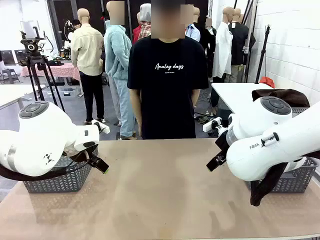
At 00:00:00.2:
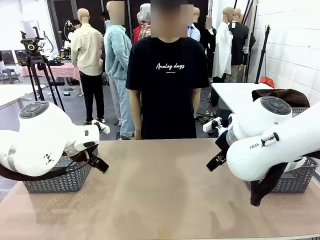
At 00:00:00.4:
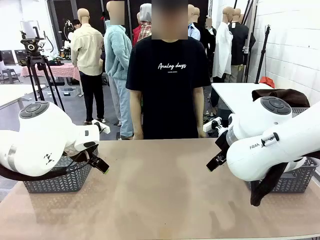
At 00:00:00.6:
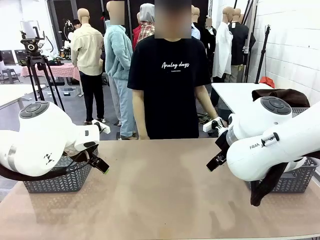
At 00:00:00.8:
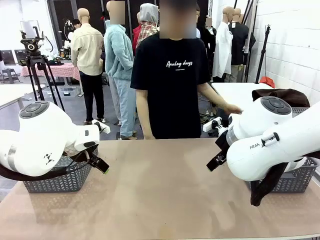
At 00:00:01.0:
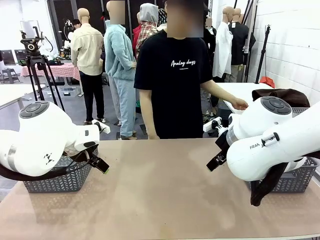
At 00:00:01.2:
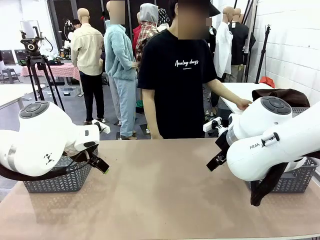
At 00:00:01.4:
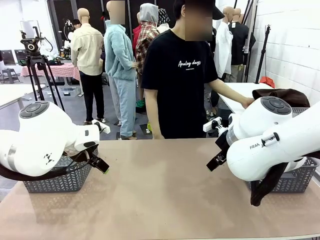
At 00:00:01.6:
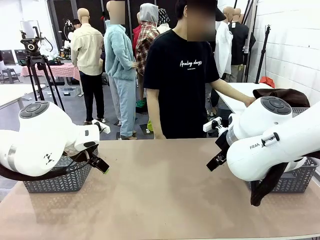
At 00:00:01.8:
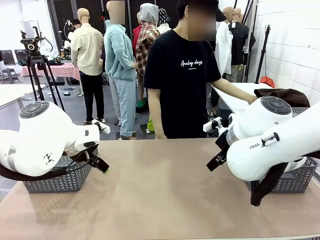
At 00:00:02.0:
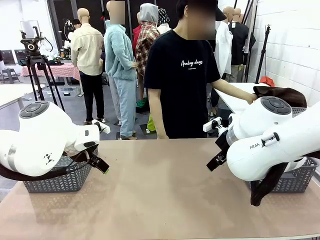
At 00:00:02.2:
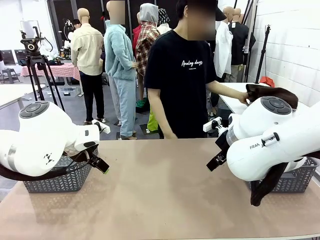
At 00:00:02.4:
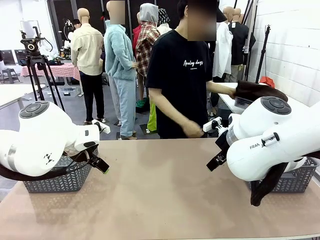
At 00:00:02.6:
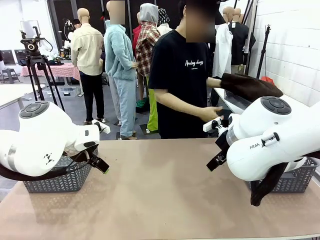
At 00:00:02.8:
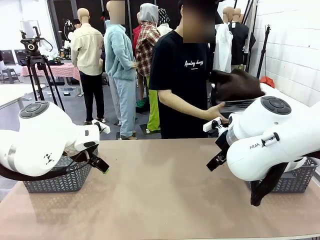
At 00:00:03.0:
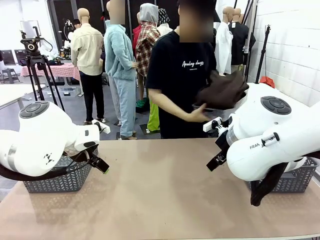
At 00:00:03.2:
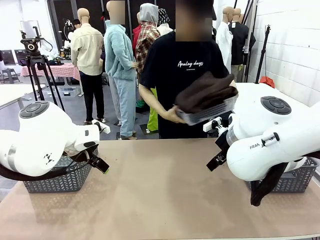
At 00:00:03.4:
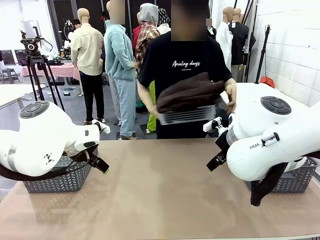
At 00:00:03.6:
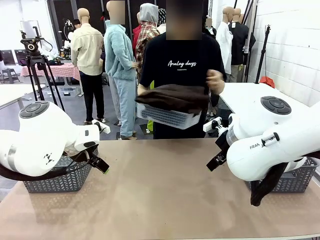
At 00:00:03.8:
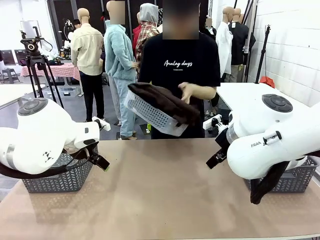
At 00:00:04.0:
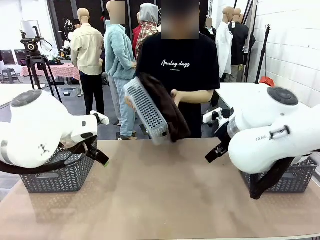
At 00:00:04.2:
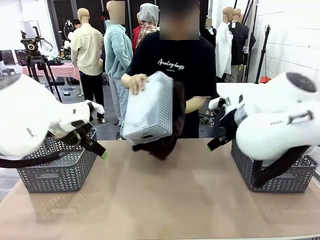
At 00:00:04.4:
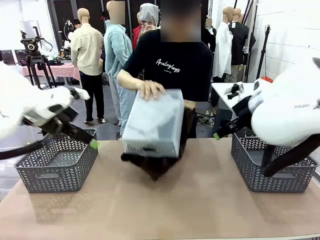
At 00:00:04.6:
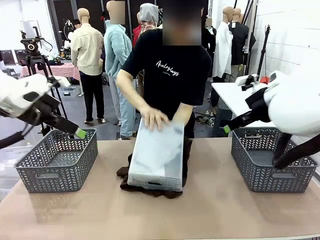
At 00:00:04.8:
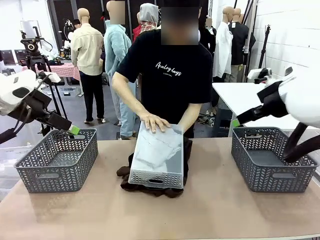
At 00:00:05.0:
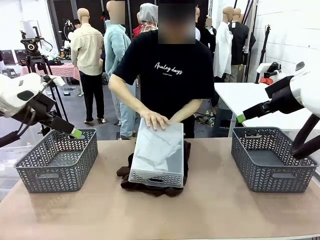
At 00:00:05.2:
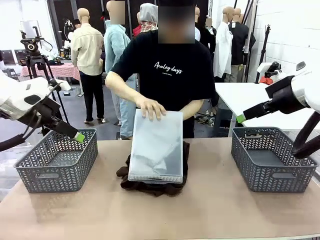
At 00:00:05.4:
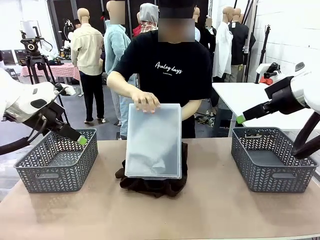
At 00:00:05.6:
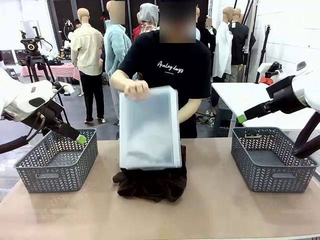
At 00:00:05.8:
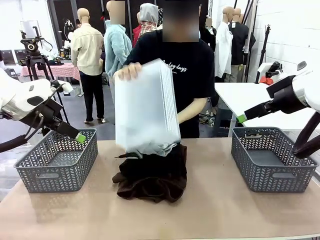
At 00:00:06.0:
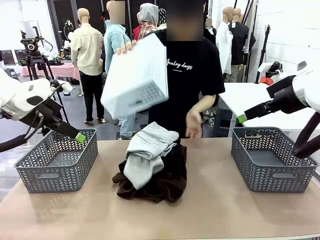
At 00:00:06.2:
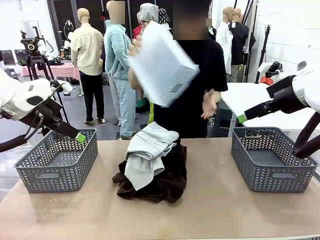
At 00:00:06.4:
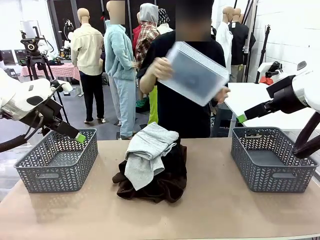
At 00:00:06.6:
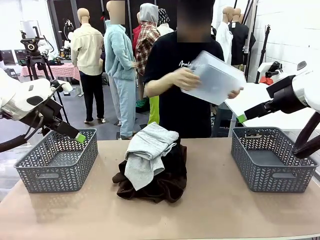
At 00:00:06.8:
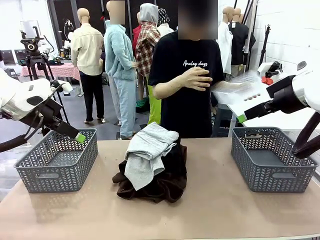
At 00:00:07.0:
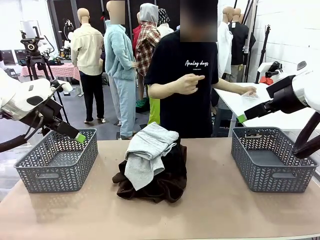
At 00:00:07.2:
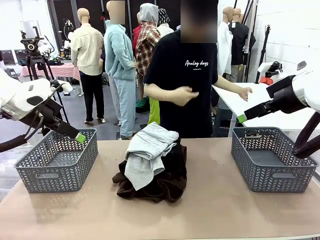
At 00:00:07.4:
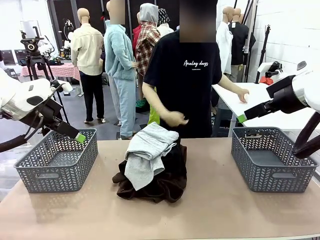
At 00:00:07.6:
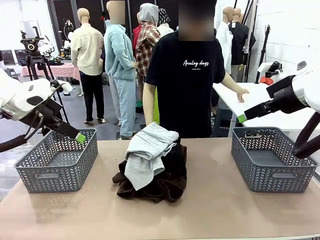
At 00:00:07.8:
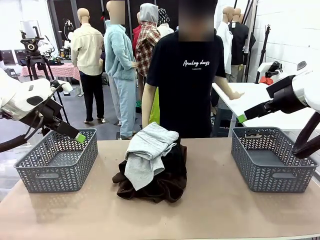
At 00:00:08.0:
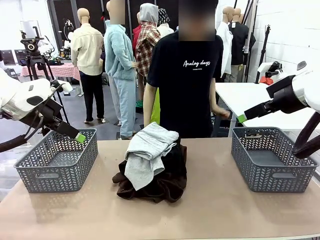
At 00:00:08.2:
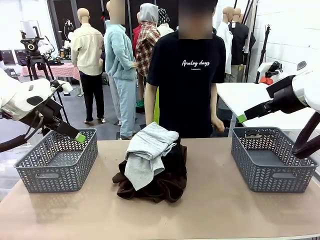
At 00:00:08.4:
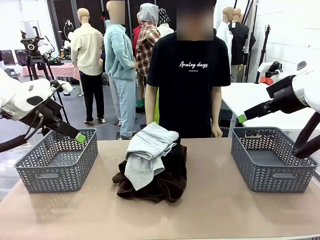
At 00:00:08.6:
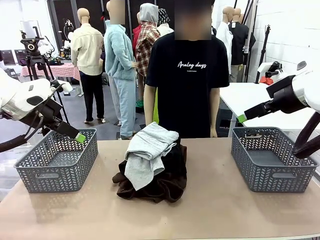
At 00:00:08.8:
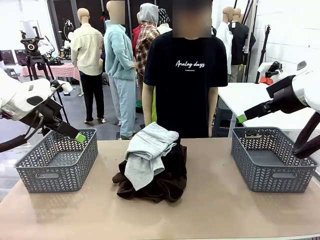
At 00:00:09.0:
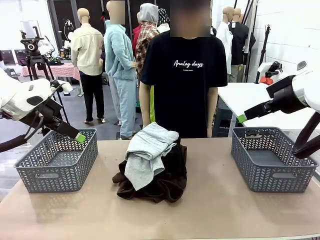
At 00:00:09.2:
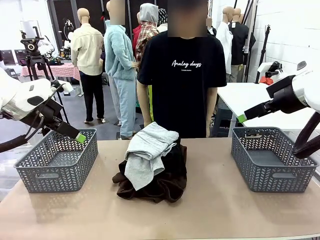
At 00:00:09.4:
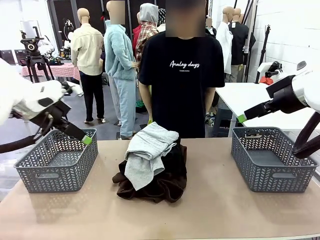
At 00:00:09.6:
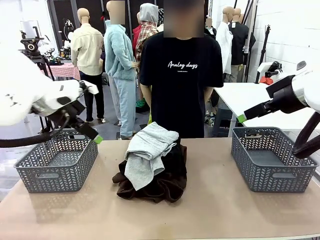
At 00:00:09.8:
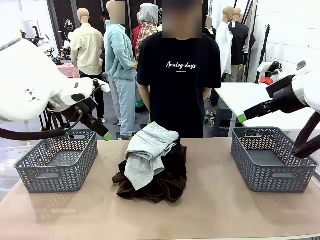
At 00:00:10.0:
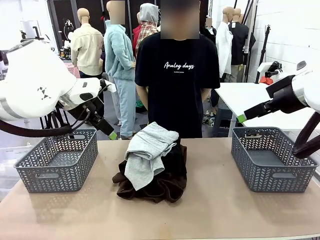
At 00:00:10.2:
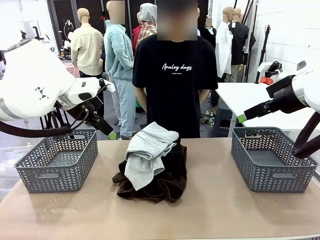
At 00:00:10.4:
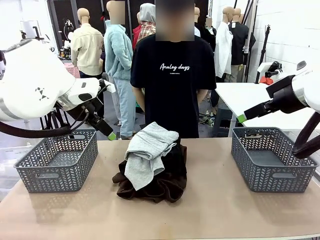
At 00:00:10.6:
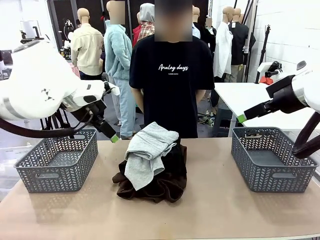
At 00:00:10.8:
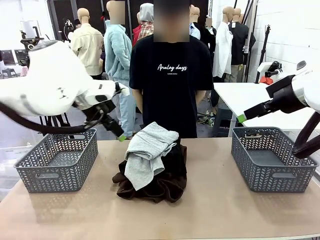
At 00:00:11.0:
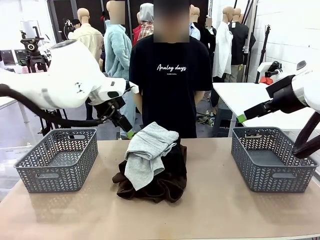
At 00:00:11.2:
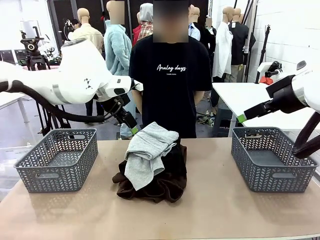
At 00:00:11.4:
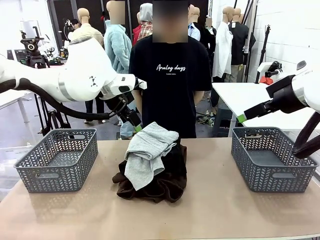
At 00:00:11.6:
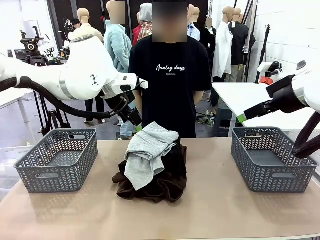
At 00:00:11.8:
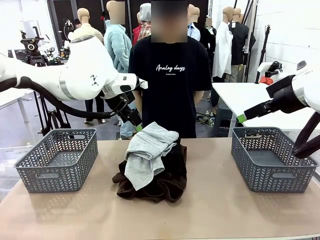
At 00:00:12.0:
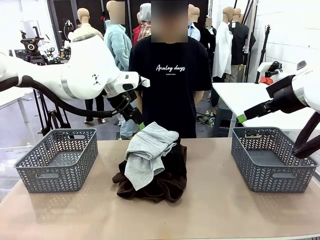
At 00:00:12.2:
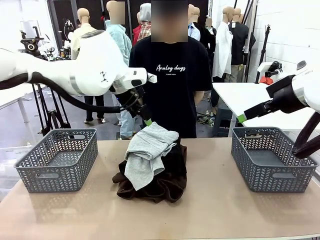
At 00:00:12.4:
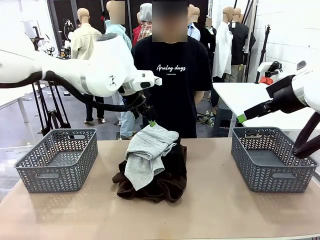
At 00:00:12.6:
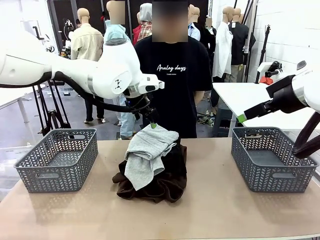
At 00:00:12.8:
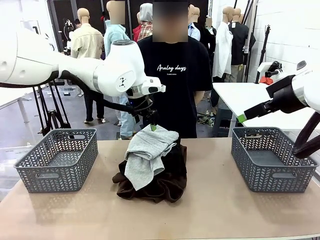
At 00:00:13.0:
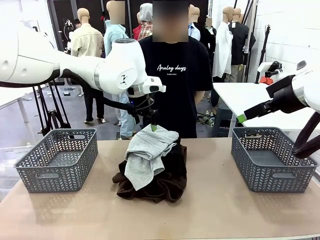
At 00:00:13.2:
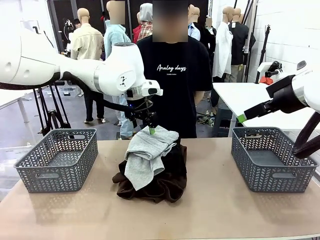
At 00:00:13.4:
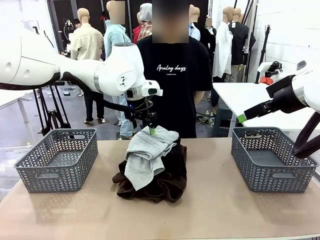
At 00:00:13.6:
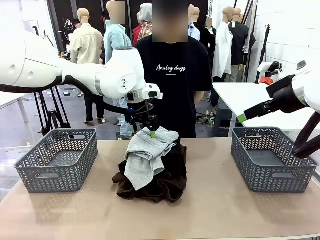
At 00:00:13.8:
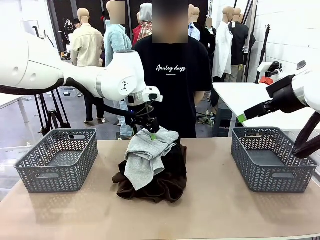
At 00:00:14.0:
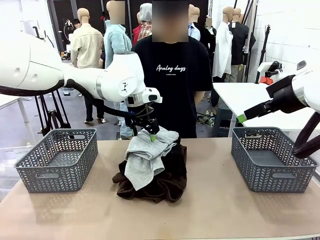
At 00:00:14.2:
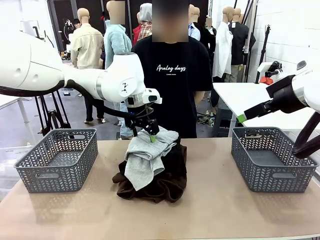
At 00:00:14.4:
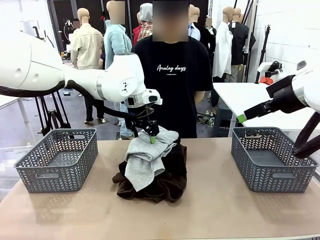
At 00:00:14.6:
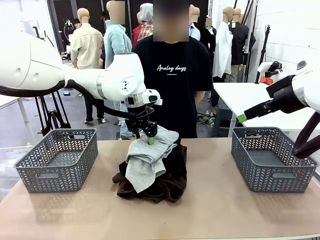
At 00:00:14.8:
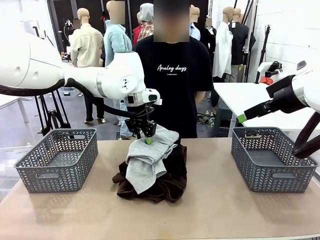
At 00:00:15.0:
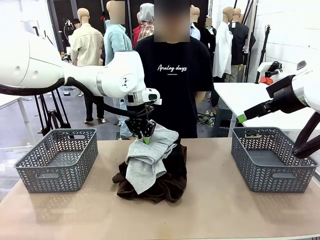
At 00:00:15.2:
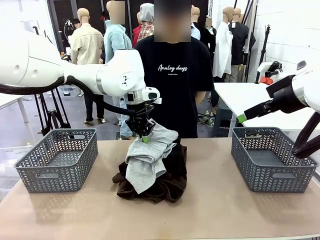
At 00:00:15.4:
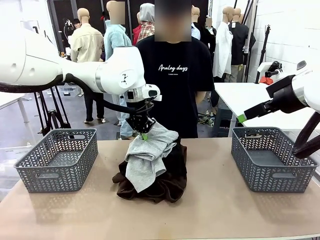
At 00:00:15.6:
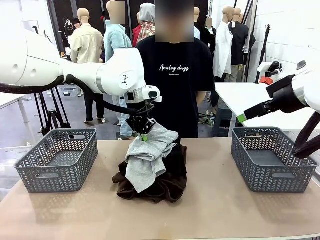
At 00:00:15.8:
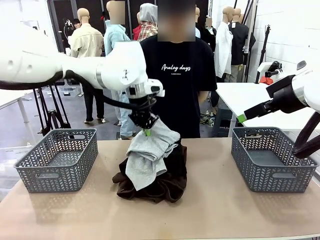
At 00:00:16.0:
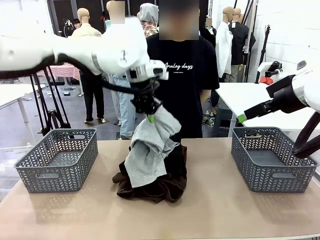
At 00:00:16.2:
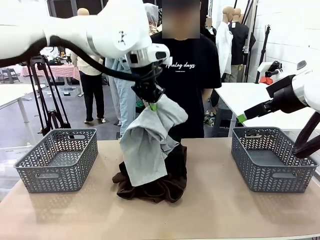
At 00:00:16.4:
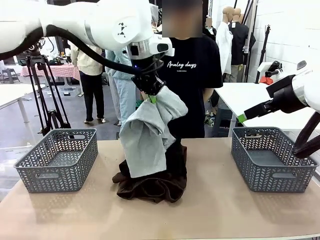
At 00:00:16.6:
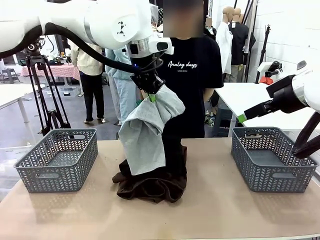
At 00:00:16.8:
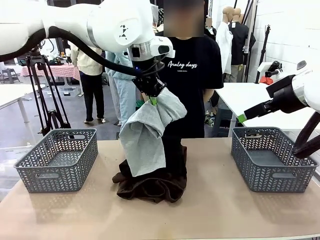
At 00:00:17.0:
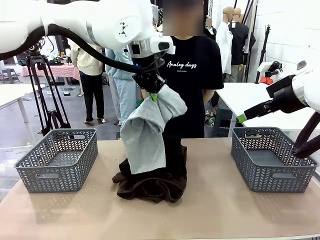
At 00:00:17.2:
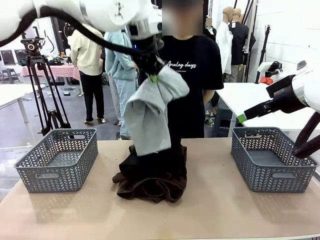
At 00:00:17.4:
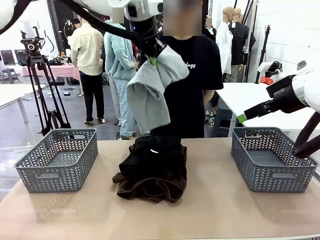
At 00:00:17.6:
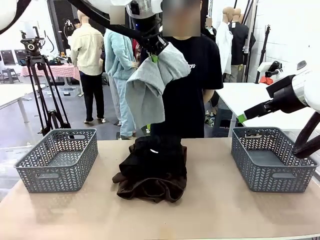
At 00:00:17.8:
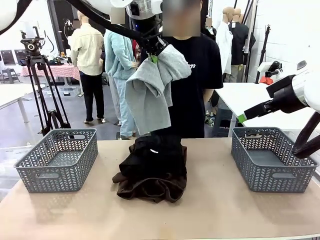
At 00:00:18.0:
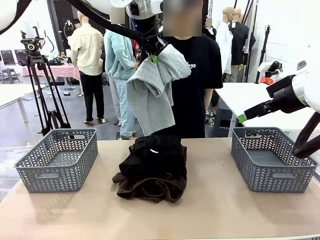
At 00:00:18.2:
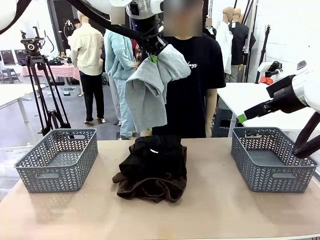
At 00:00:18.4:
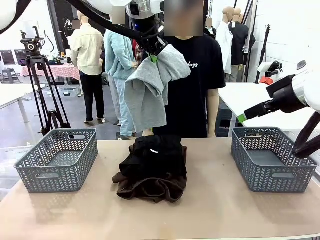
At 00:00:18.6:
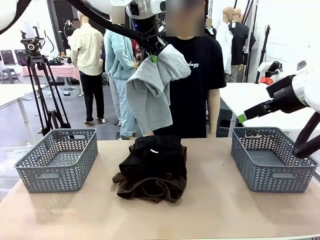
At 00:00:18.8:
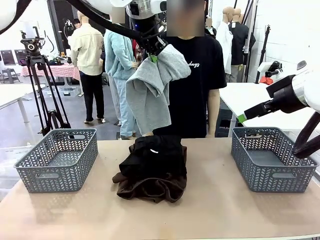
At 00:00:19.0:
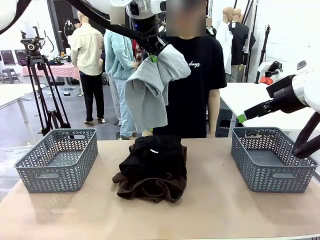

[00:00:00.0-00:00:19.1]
Task: Sort the tops and bottoms.
Robot: Lift clothes from the center of the table with your left hand.
Person: Pour the clothes from the basket onto the center of the robot table.
